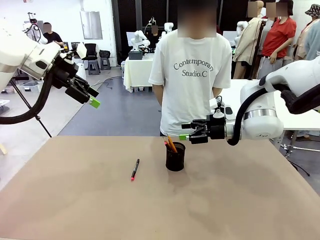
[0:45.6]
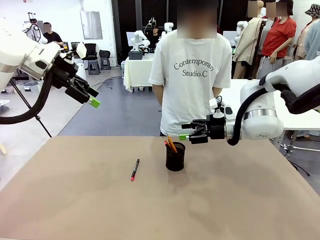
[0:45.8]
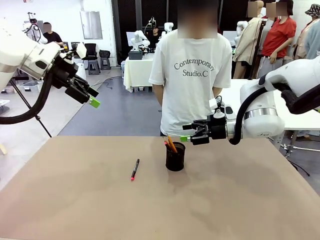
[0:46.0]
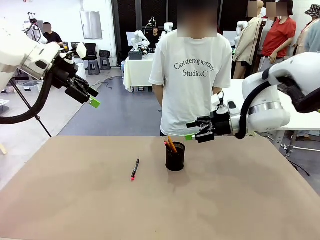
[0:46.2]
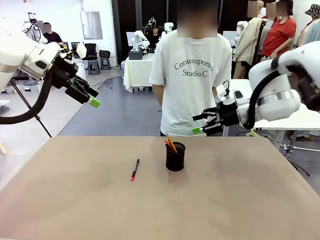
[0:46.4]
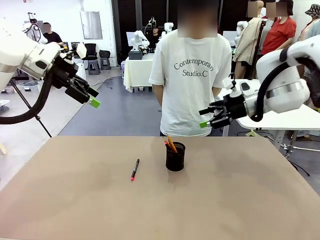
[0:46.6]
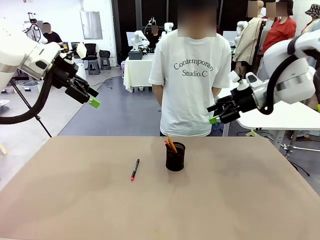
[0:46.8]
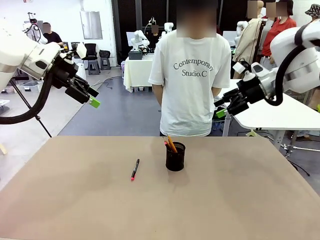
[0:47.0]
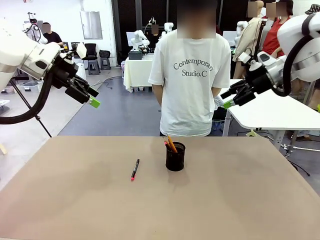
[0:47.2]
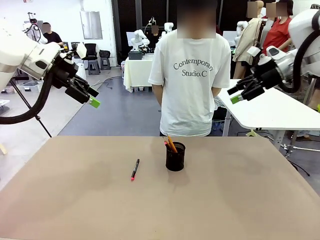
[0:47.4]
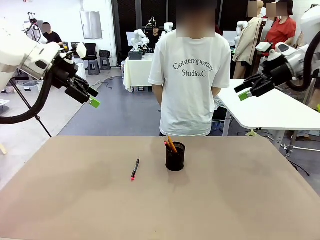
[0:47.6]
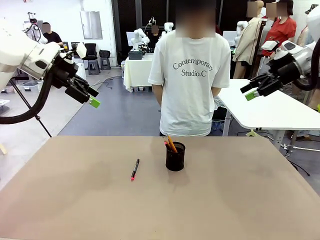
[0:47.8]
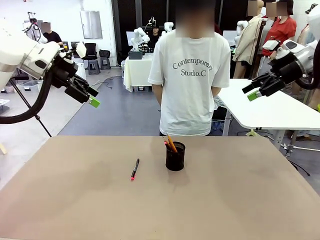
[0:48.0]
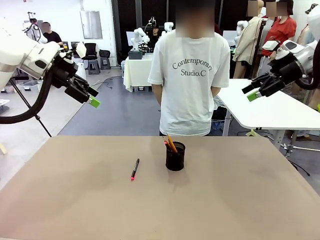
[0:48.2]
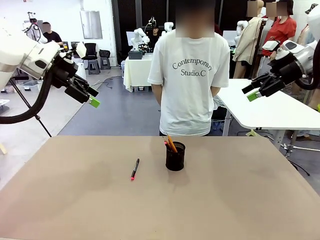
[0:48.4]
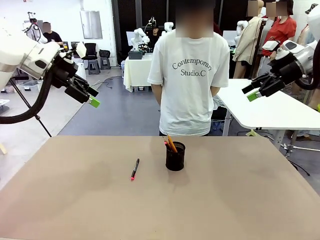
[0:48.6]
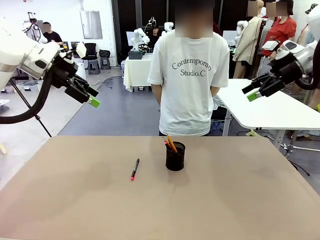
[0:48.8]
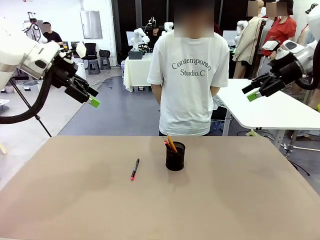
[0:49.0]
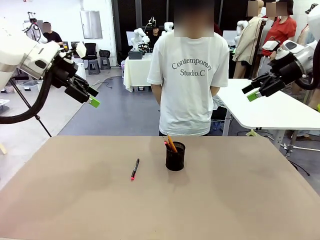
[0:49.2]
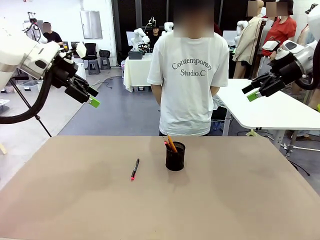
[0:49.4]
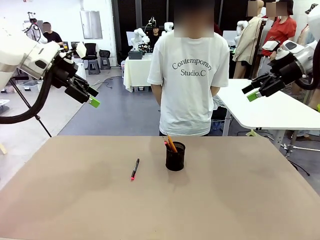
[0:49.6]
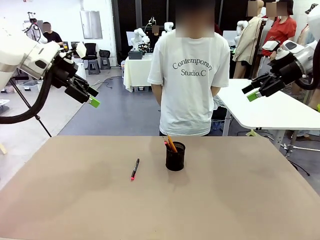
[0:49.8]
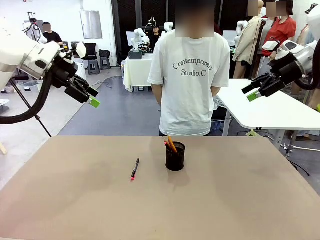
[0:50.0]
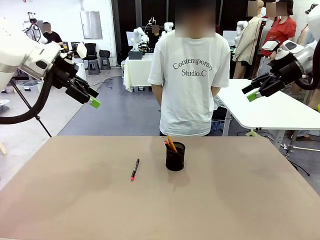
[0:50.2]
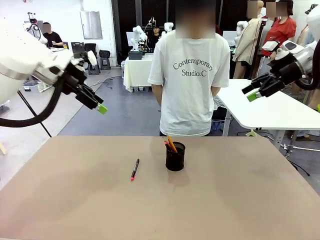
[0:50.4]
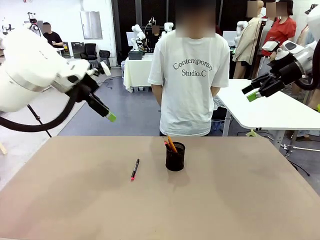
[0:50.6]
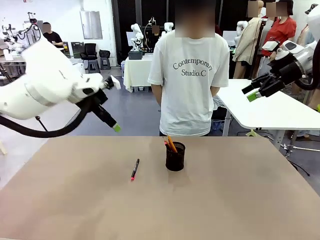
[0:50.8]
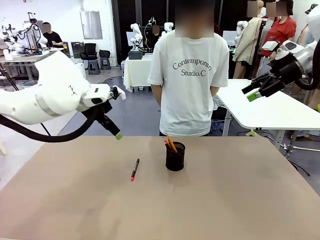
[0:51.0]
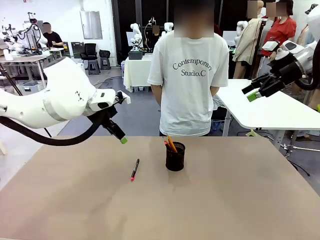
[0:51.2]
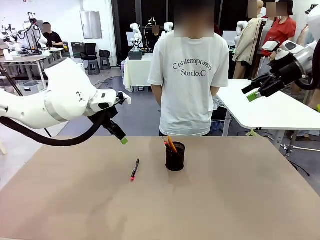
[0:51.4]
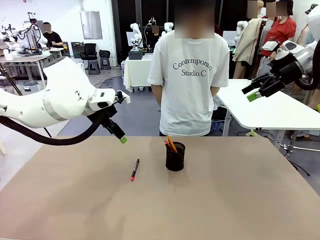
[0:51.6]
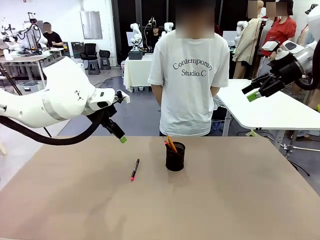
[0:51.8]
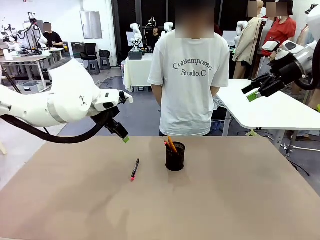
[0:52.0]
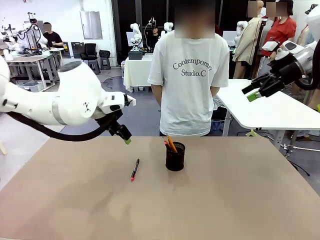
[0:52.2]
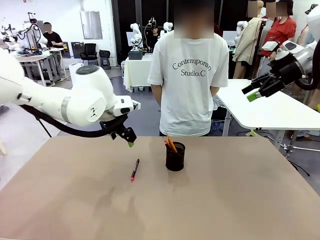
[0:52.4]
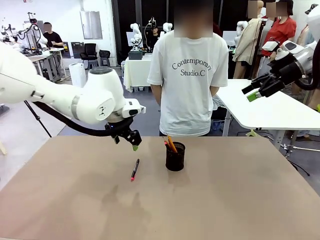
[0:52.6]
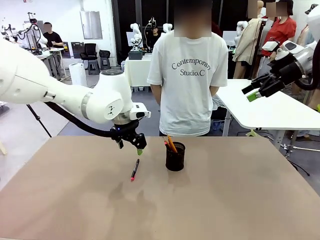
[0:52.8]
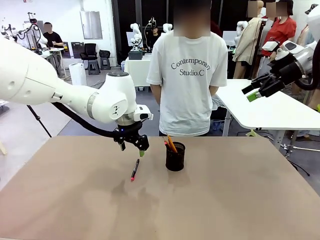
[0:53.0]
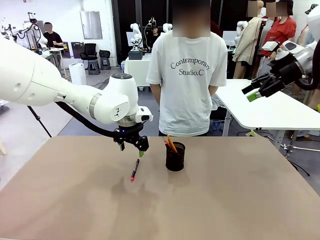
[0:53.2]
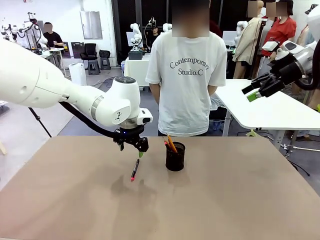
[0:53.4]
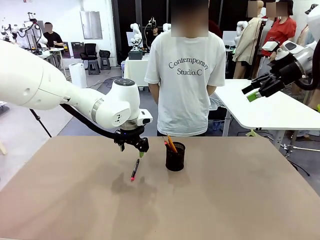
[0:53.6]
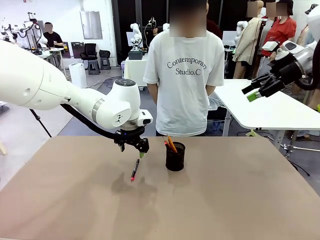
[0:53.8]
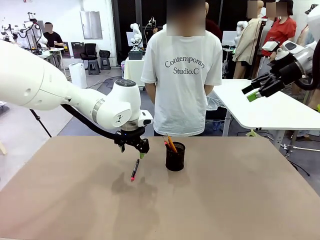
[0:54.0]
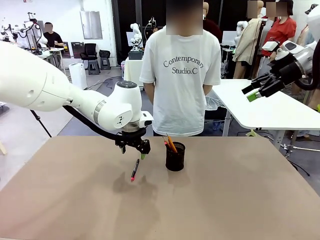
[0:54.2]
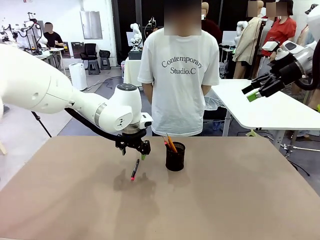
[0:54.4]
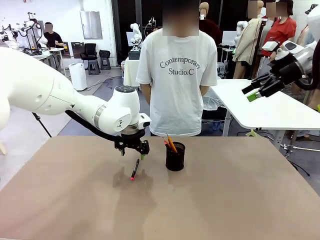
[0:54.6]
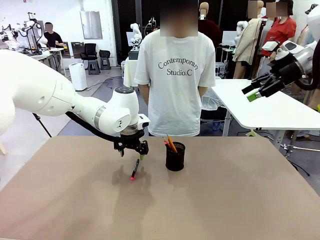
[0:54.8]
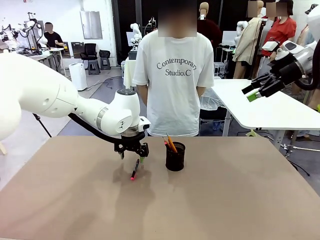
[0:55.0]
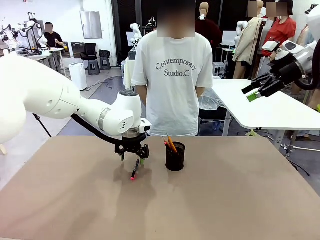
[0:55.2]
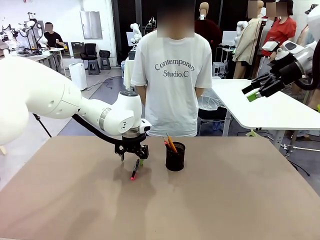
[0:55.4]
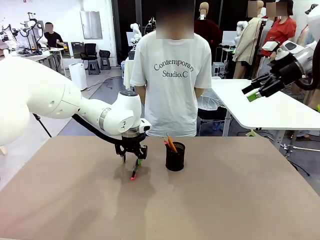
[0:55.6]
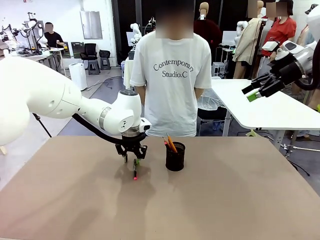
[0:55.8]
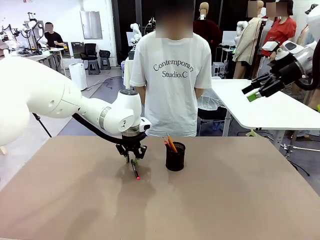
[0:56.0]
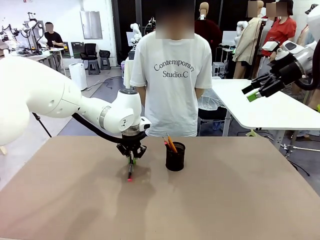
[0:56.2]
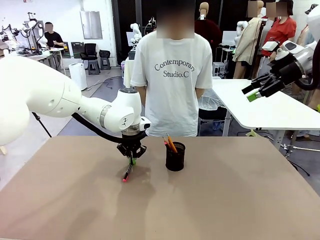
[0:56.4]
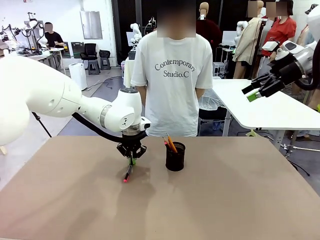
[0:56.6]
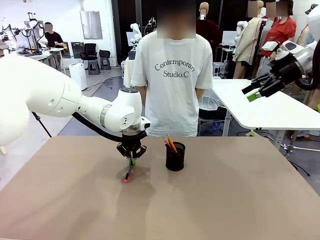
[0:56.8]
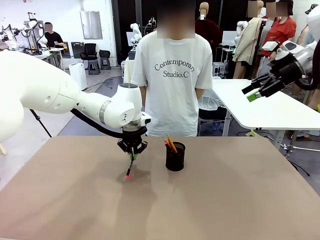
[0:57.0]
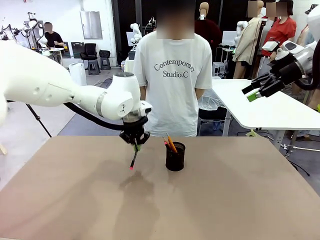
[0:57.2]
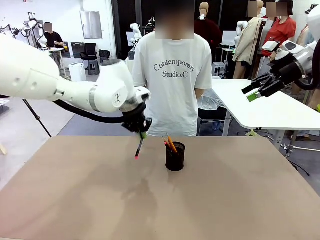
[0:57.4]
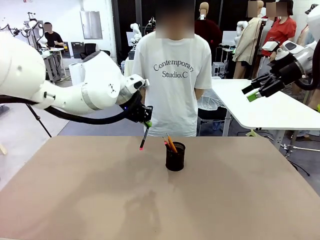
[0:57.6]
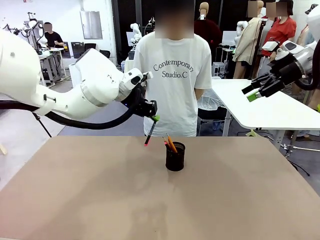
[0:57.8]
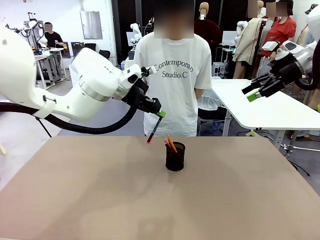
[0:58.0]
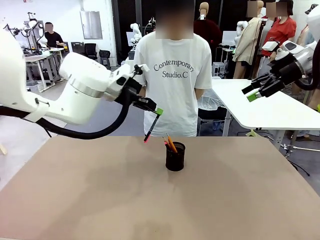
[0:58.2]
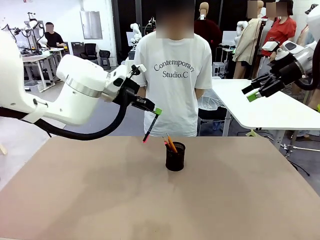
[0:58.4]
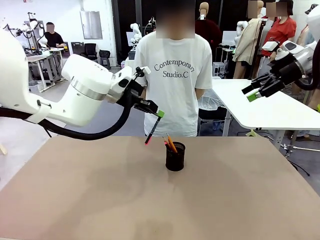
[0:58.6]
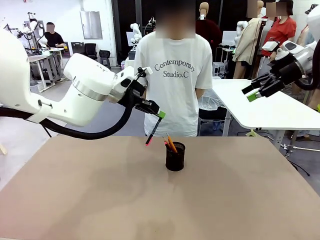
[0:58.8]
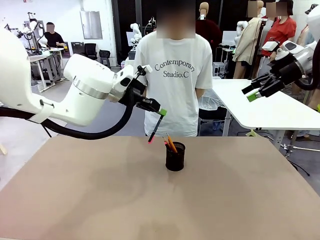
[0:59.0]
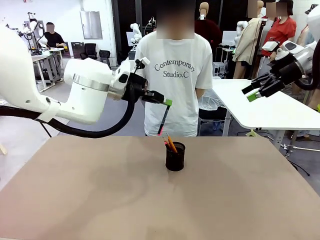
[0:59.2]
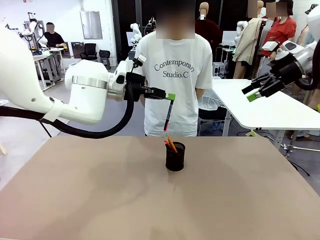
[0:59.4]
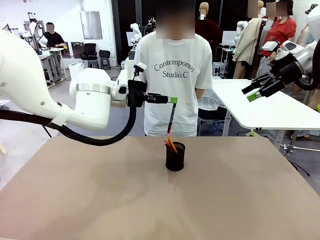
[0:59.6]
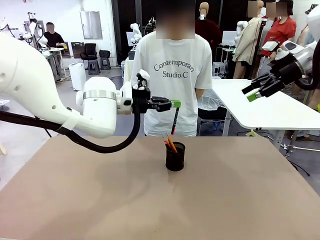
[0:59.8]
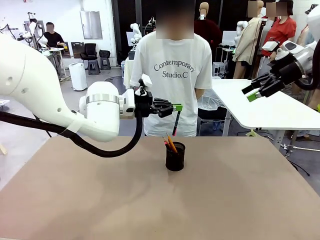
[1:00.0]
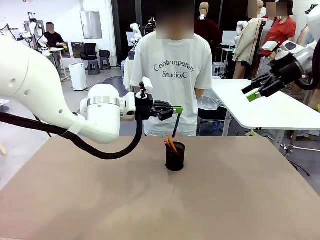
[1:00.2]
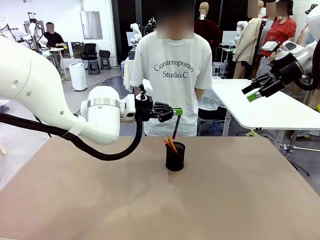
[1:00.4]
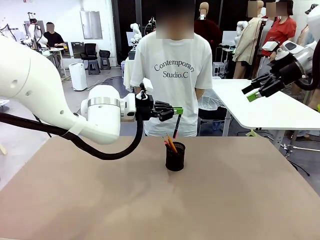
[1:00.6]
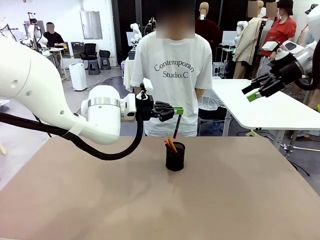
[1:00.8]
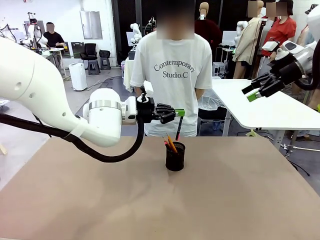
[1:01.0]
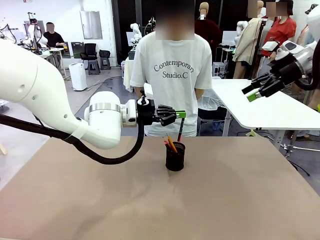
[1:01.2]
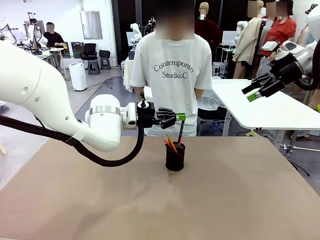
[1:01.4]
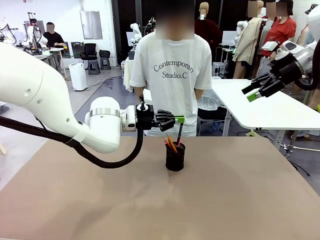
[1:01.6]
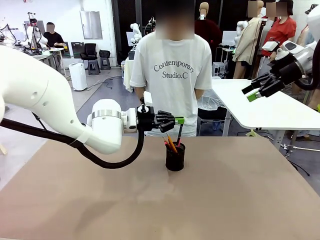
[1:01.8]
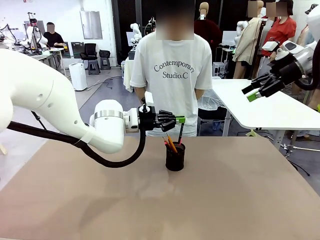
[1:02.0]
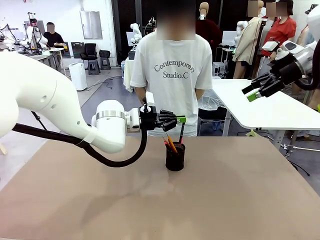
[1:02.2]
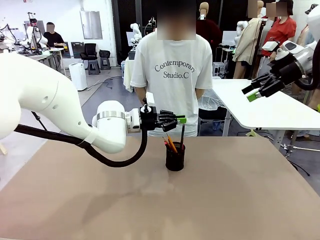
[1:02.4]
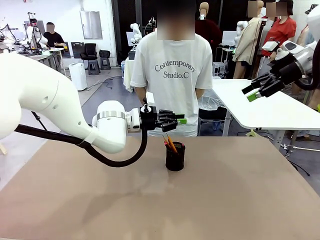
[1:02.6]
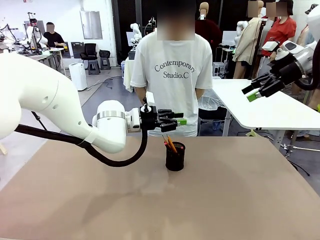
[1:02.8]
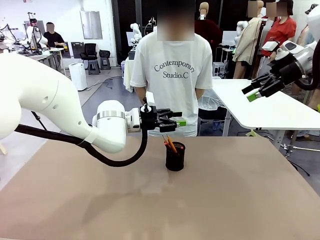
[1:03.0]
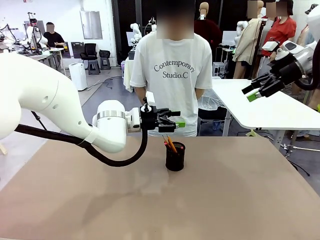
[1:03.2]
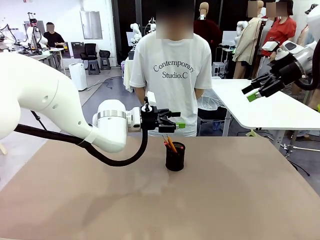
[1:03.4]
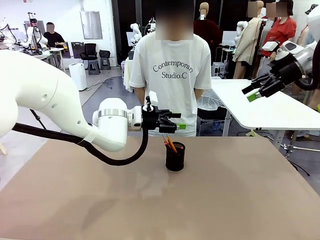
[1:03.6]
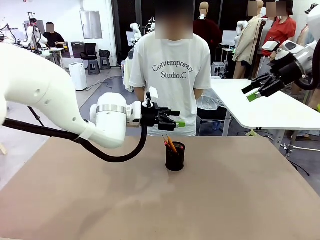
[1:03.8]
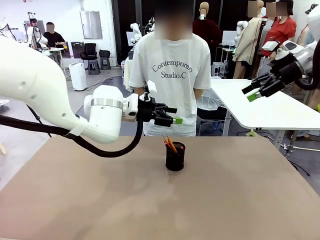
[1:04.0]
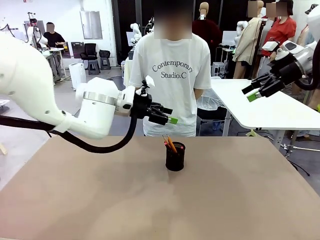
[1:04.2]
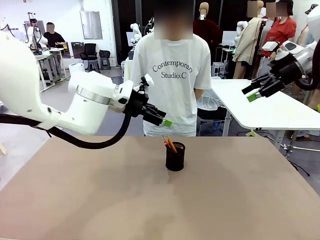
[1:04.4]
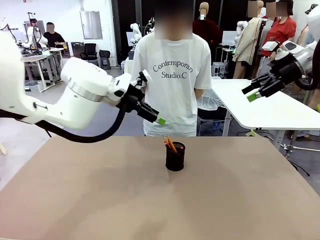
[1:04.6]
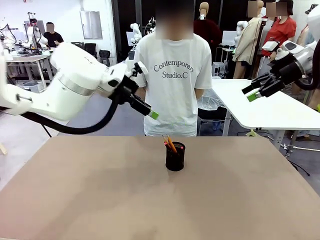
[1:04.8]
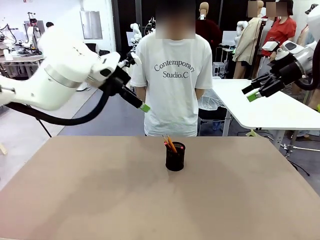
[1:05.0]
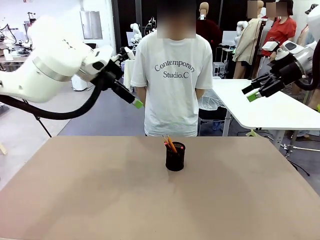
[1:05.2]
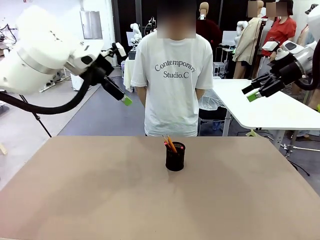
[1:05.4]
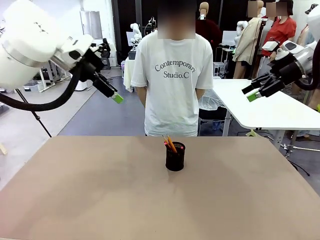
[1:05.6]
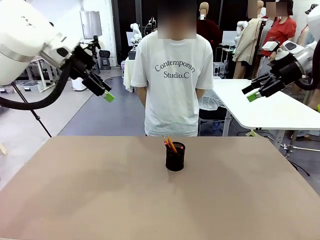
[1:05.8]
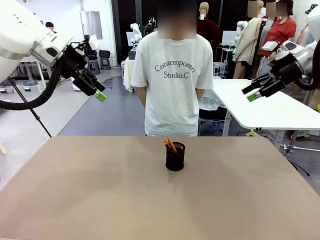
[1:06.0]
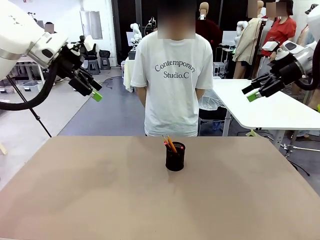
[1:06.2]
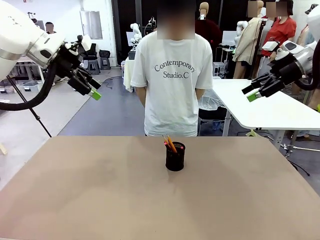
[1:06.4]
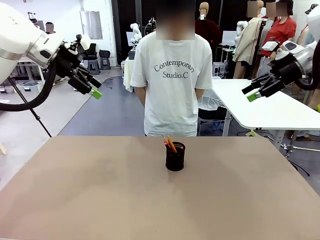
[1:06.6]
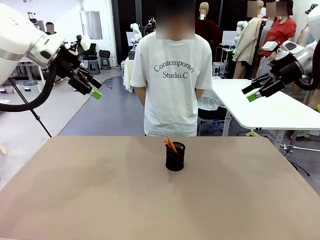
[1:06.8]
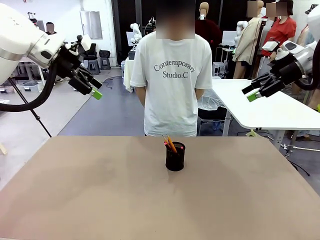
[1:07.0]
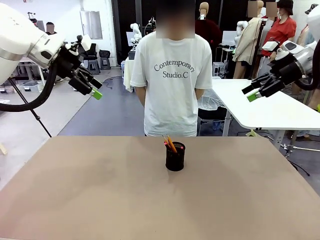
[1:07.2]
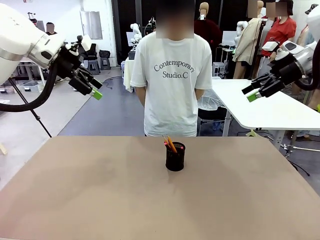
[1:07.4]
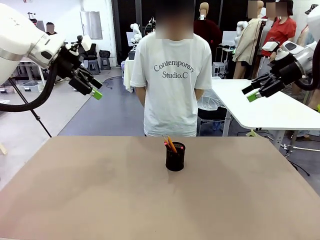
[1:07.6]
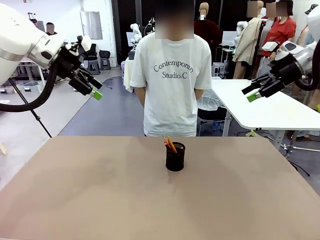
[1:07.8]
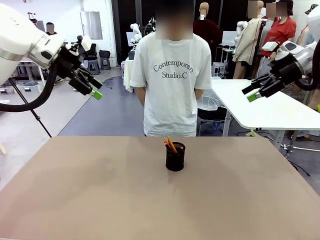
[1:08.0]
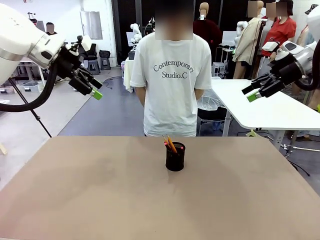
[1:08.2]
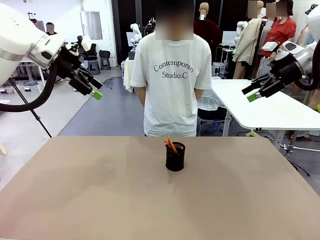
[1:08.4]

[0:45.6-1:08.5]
Task: Place the pens into the pen holder.
Robot: Pick up a writing instrument from the table and place it into the Pen holder.
